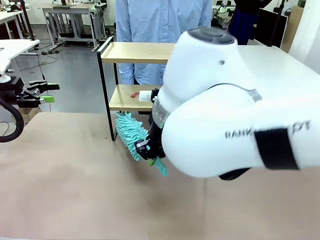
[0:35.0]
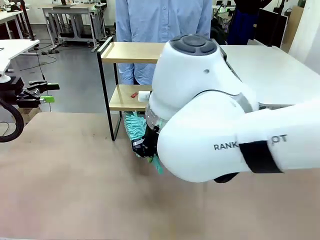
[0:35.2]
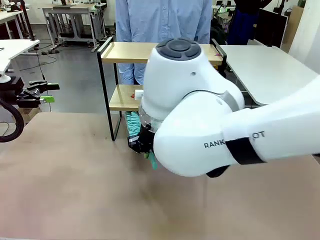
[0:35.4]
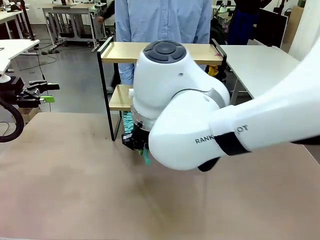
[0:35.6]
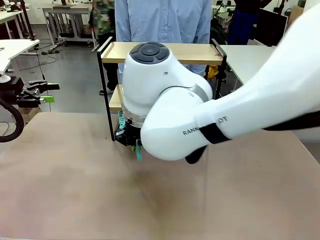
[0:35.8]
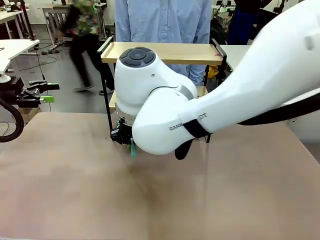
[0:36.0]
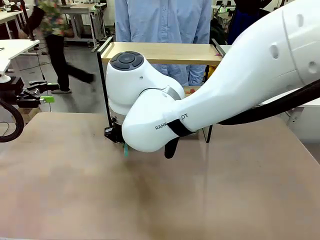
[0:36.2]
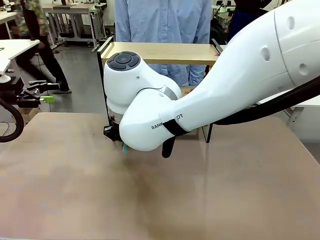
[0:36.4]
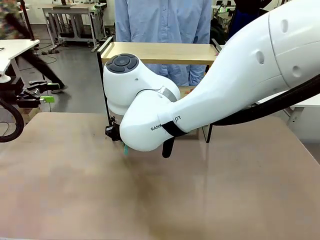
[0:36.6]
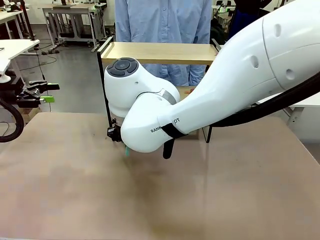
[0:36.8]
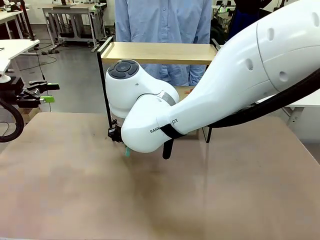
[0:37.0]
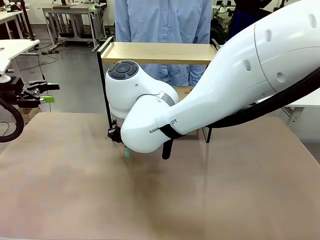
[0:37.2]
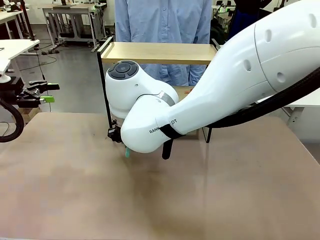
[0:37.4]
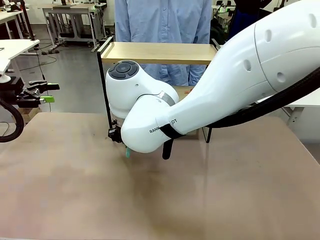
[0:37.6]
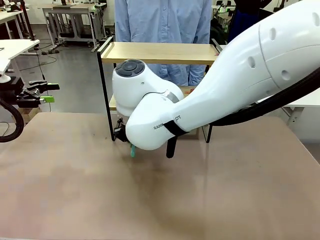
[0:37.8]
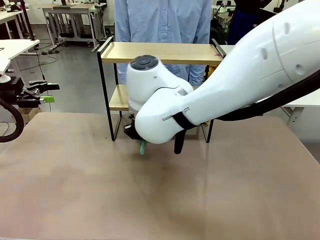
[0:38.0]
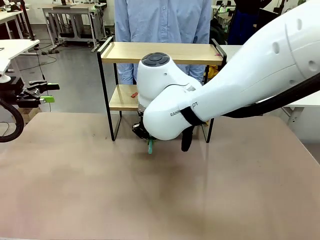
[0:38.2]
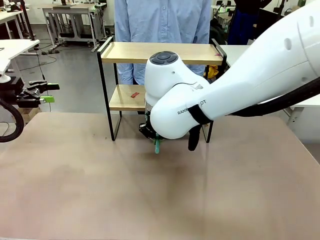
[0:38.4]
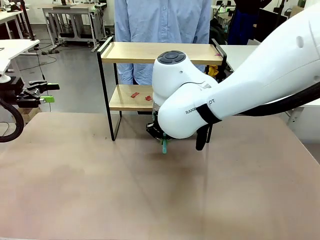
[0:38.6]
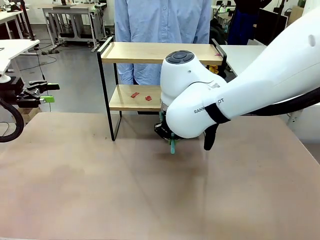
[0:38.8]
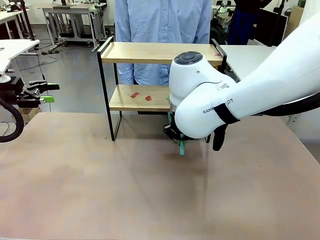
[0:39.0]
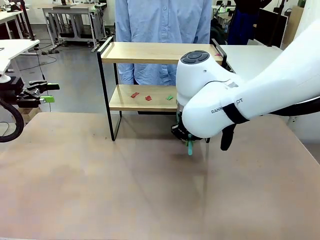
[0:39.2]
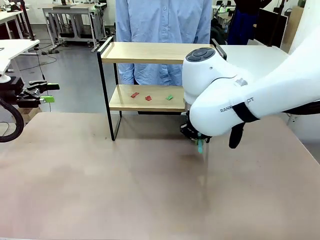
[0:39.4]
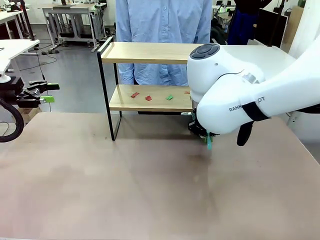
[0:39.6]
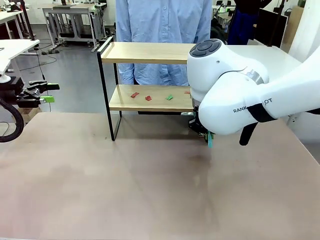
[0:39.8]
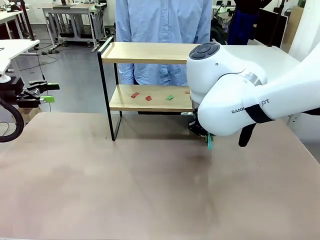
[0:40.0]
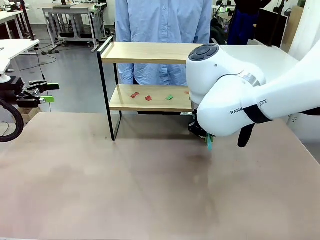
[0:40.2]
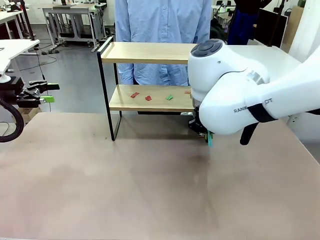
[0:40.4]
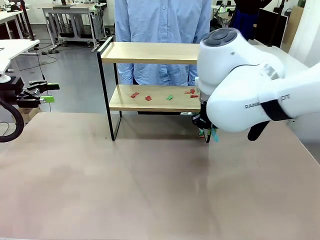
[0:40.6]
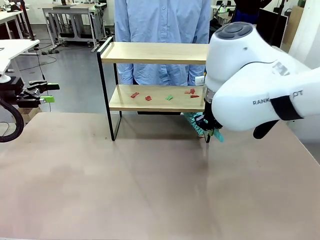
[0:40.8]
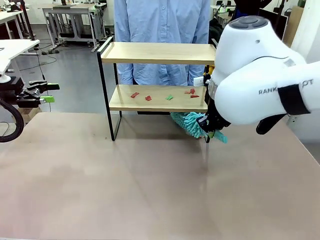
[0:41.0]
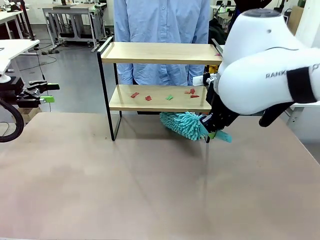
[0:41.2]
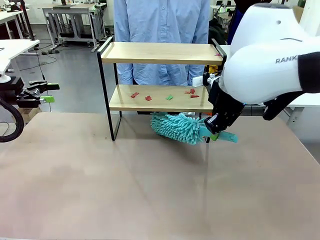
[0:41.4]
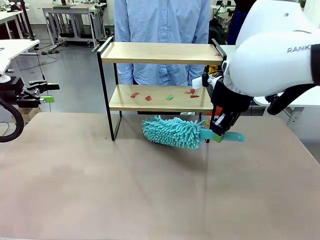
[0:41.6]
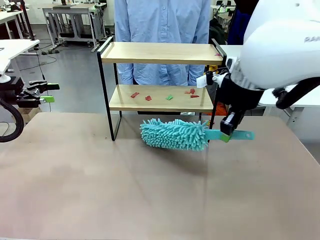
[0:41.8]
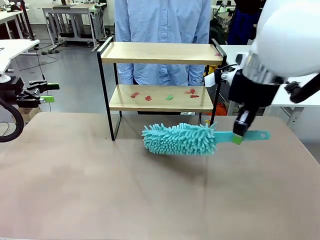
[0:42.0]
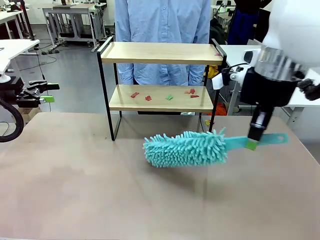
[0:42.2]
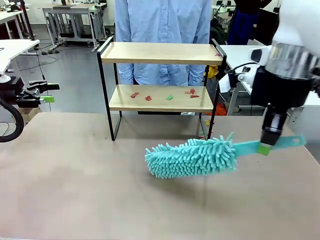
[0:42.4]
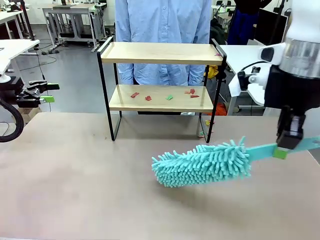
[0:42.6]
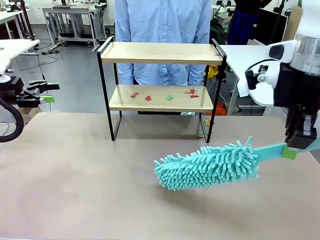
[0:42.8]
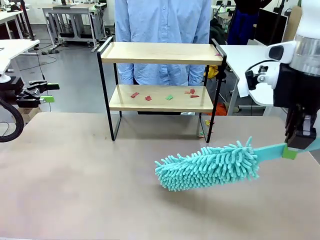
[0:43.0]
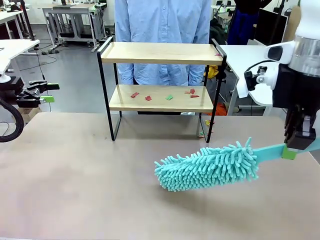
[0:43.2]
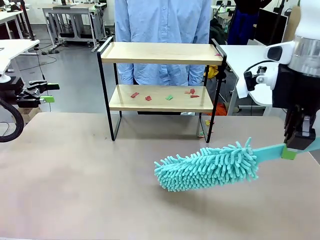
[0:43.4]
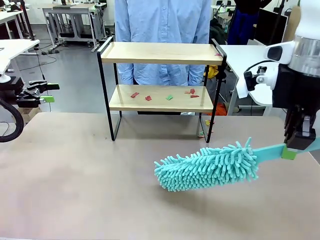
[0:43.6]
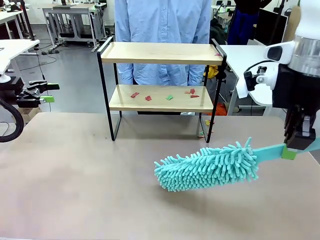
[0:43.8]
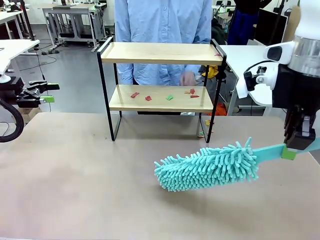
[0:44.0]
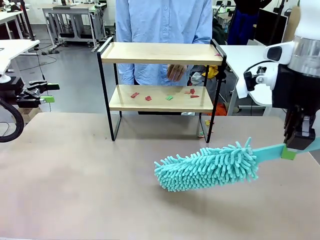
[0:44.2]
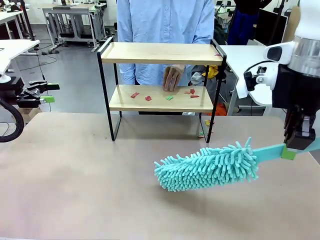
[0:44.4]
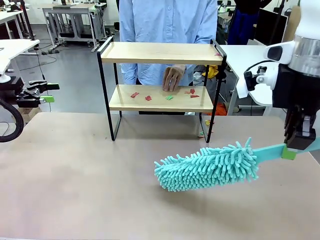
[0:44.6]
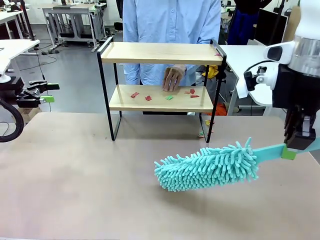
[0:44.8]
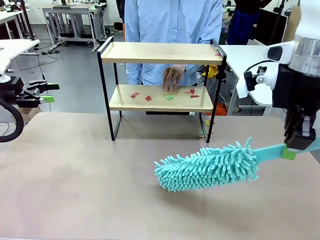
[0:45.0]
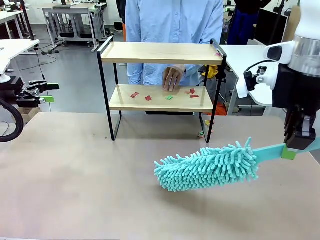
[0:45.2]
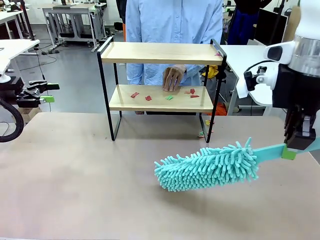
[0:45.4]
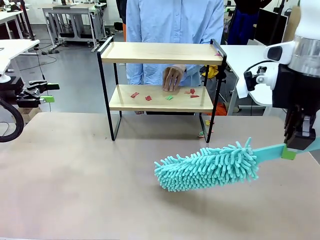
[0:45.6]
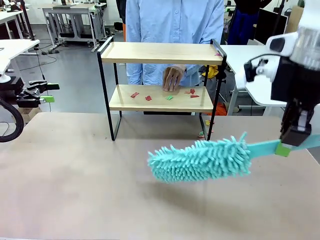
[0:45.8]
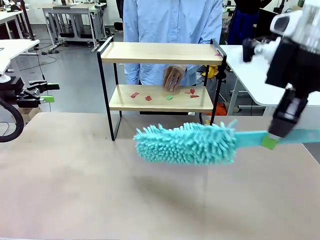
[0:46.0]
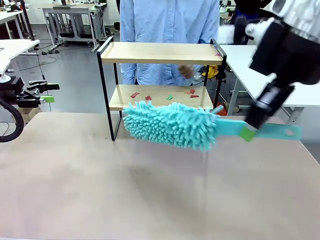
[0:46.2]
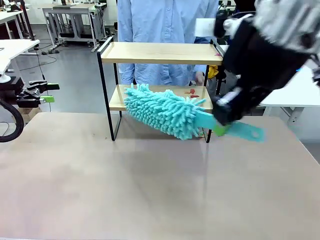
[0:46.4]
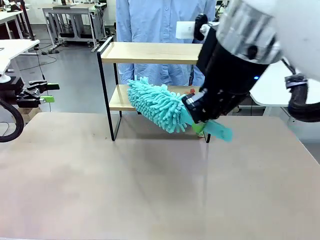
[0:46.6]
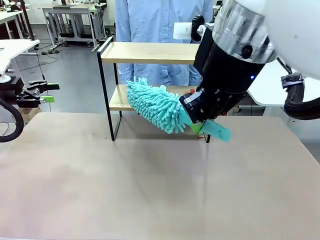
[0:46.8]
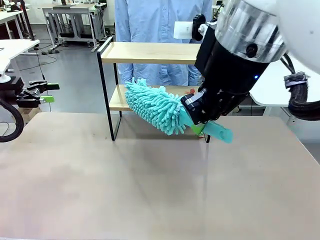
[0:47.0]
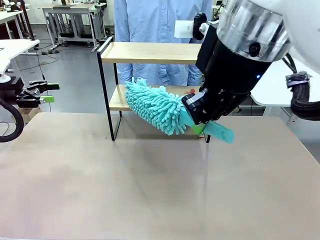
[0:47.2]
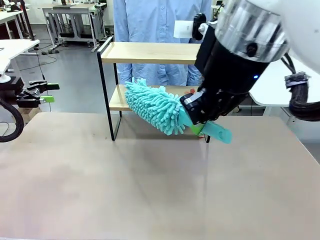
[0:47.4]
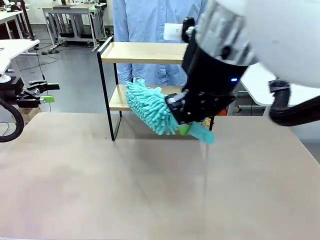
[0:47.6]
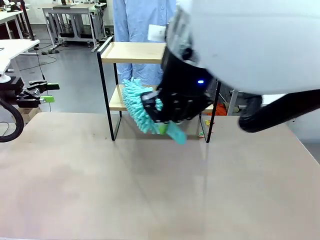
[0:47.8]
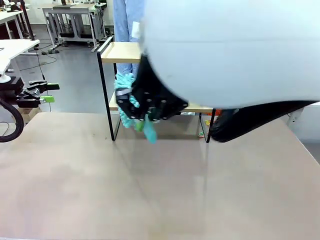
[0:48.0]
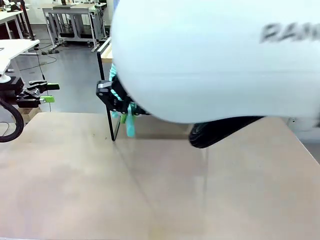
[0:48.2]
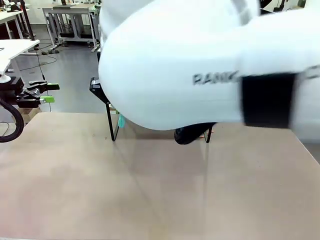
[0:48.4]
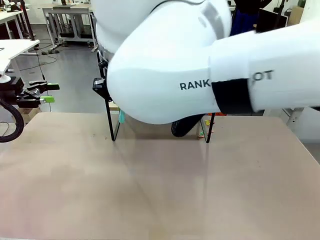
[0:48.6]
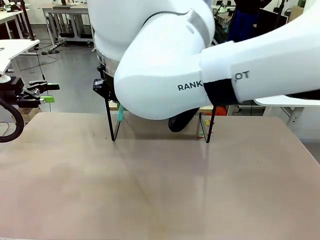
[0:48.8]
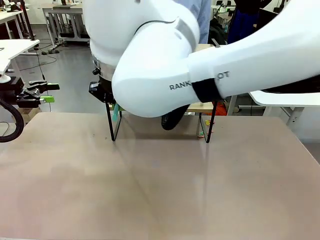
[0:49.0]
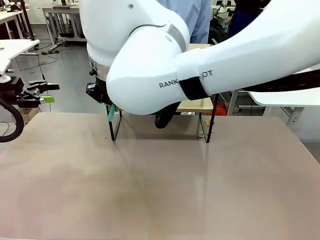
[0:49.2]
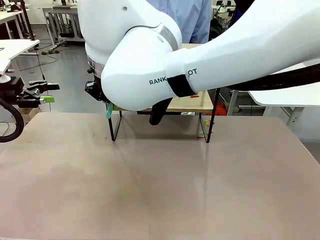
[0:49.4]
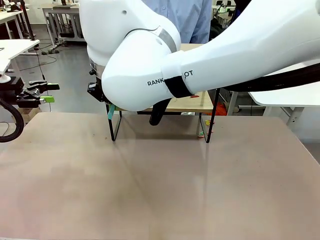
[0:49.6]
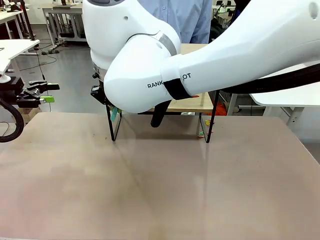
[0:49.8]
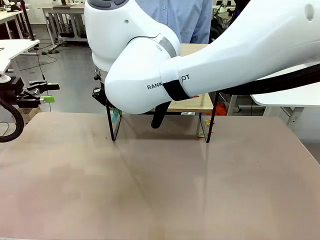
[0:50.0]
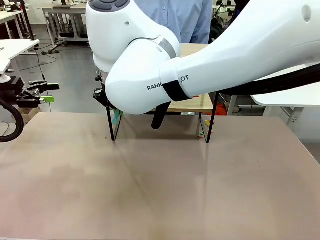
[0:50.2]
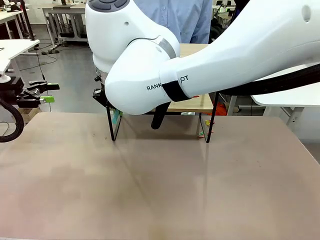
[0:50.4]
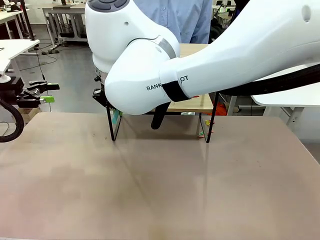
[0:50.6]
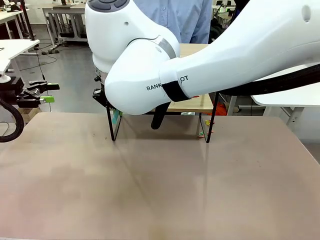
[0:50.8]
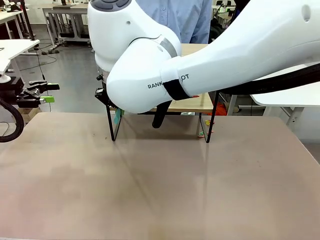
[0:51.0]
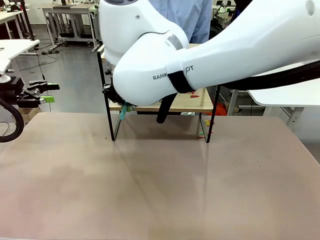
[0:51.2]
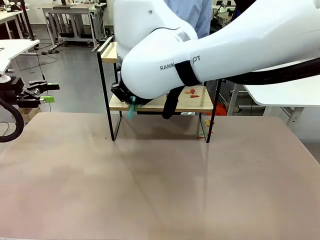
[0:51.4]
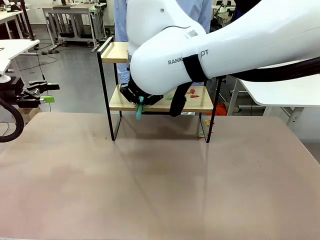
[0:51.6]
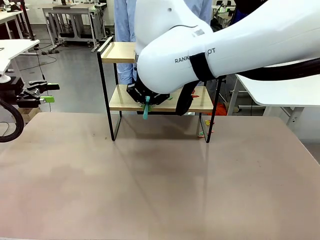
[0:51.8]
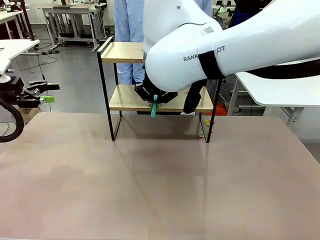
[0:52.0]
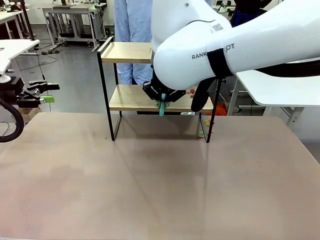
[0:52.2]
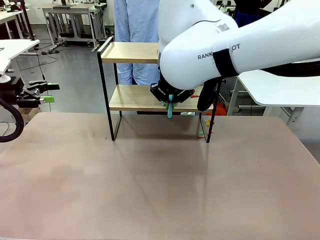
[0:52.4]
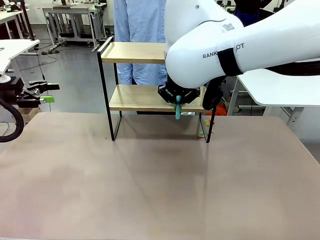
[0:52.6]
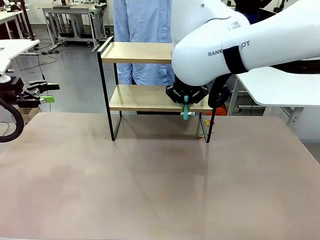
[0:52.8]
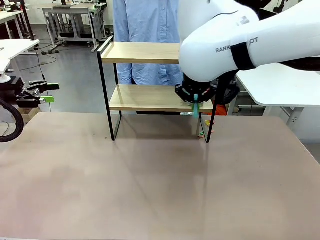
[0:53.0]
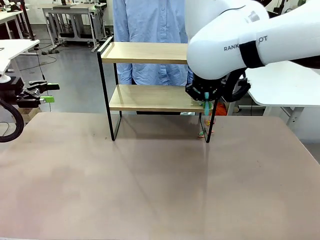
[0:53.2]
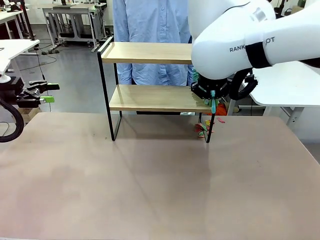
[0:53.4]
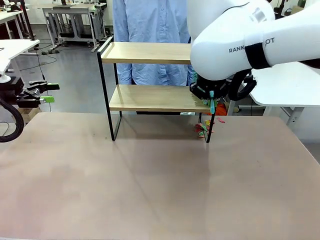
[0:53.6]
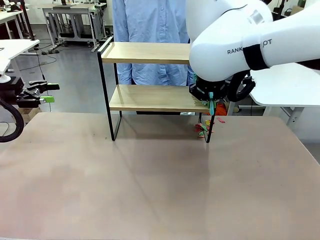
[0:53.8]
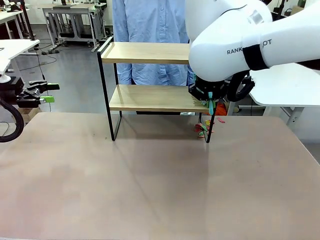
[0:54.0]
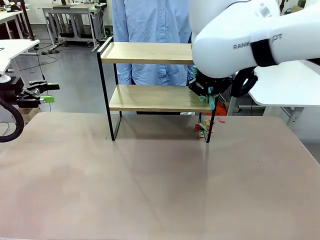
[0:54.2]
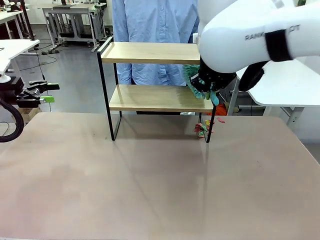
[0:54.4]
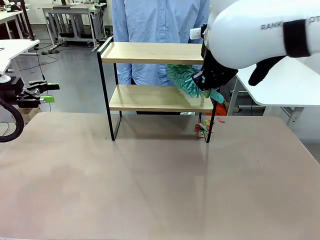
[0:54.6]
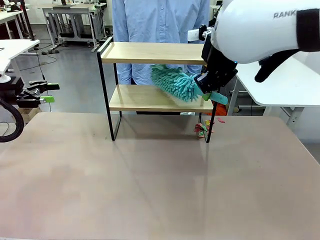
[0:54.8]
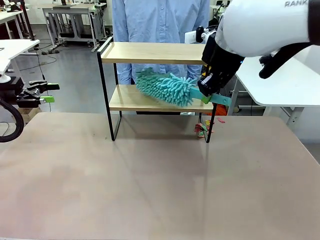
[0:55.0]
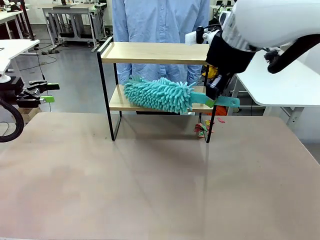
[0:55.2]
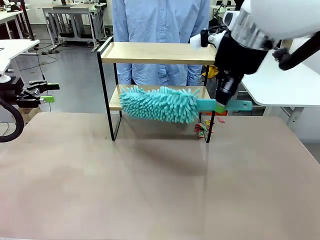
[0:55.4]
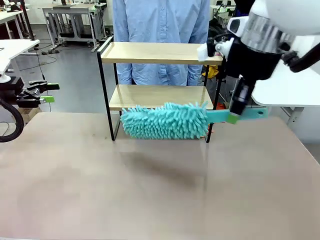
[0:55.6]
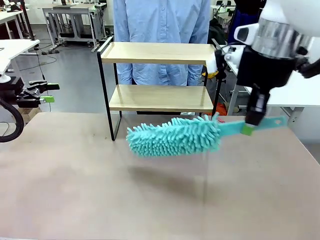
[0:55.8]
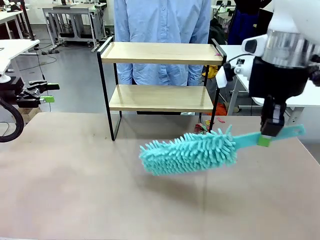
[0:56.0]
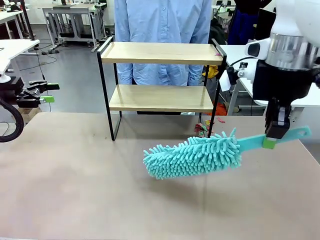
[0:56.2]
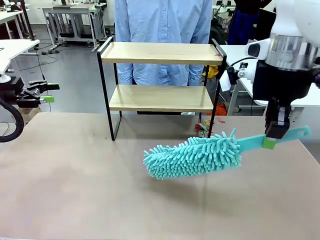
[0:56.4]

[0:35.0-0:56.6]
Task: Clean the shelf.
Robot: Clean the specific section of the Shelf indicated by the human with the Duster.
Person: Point a remaining section of the Shelf.
